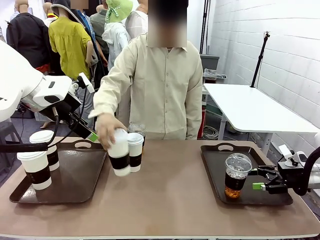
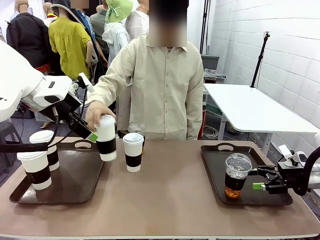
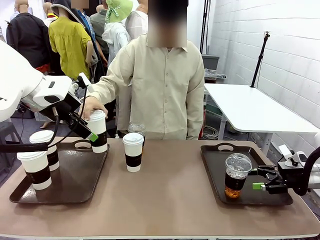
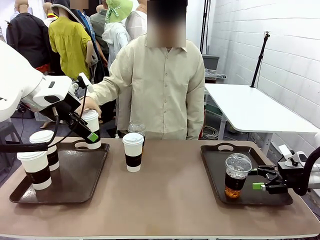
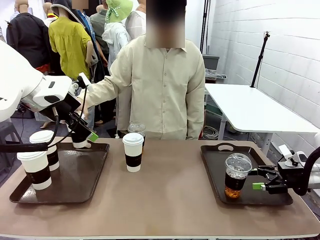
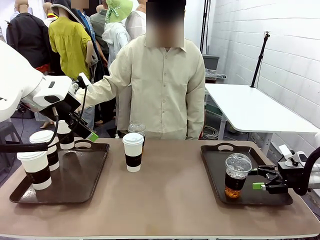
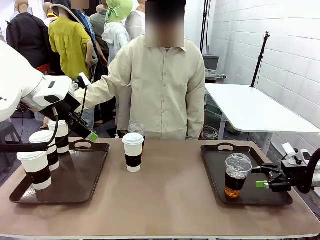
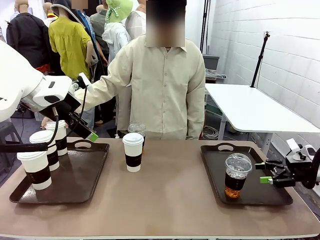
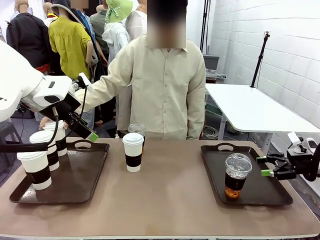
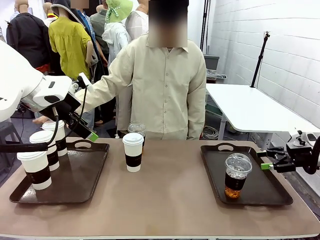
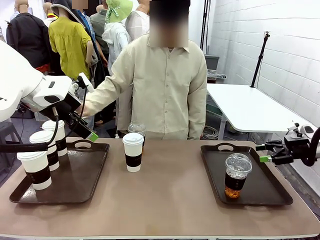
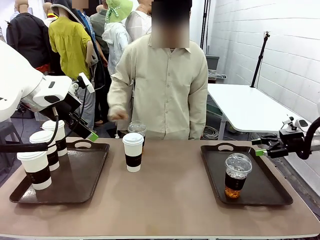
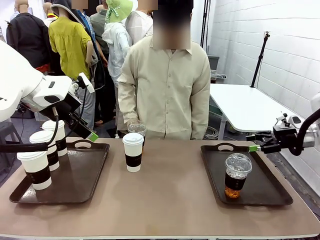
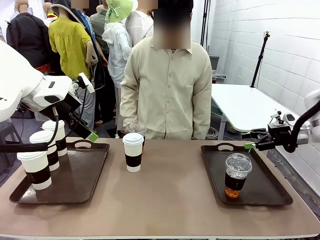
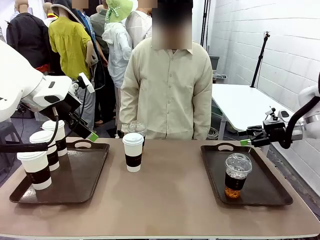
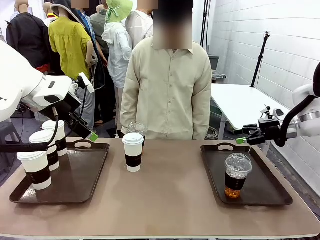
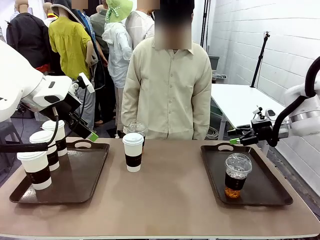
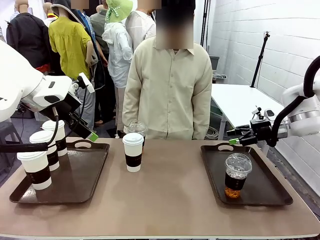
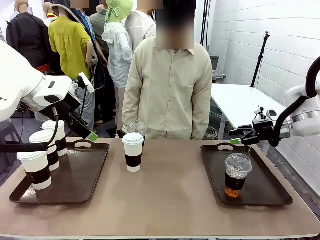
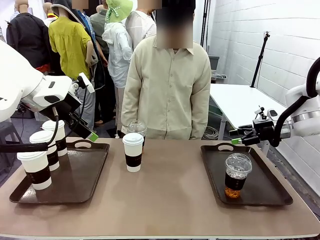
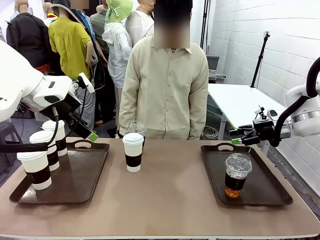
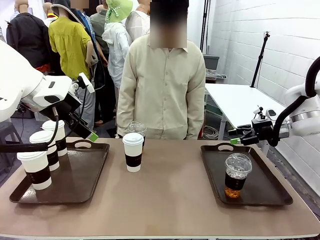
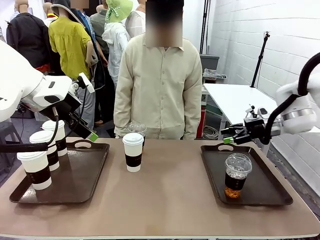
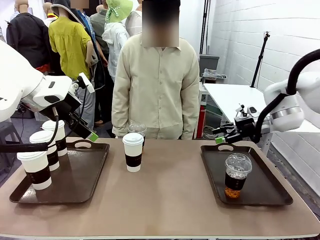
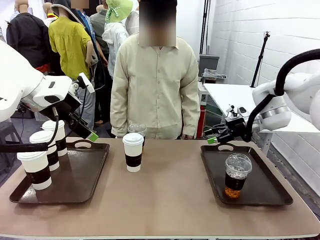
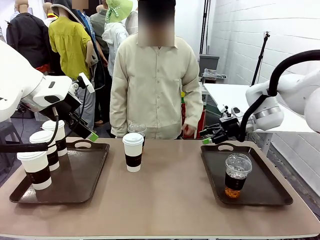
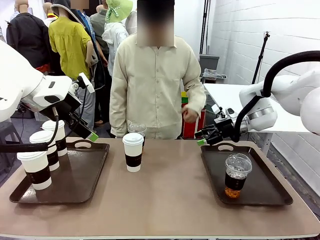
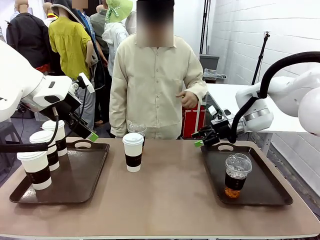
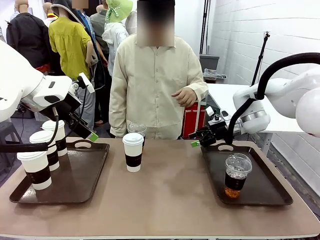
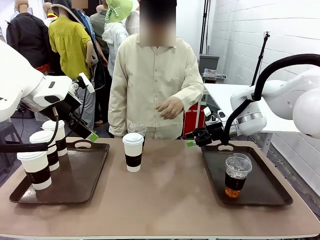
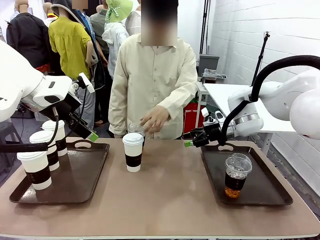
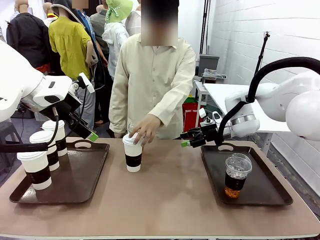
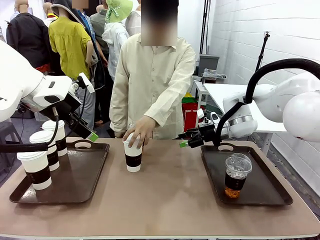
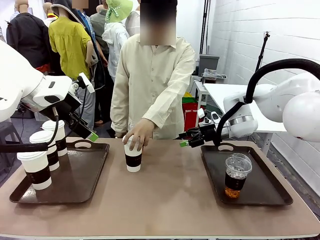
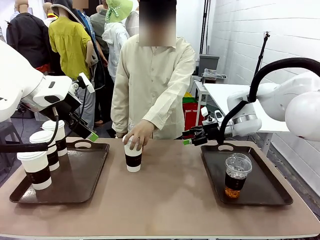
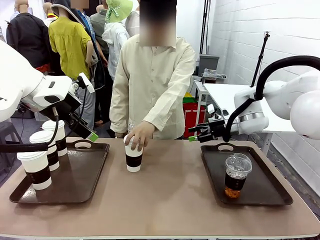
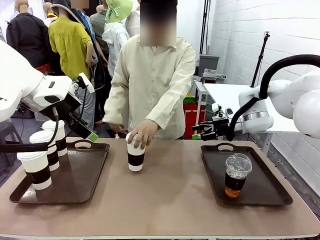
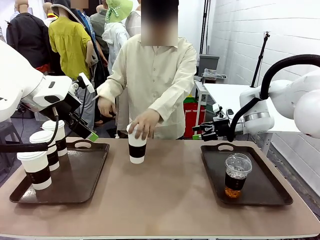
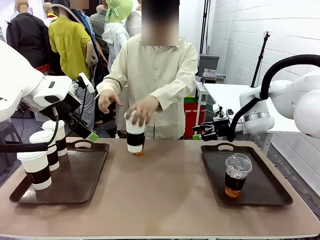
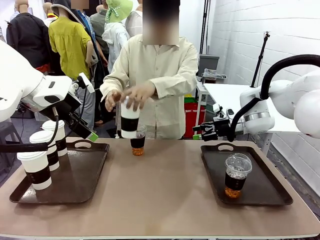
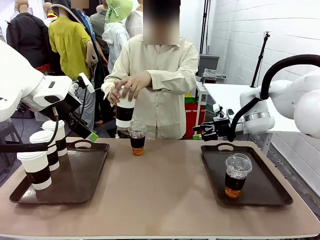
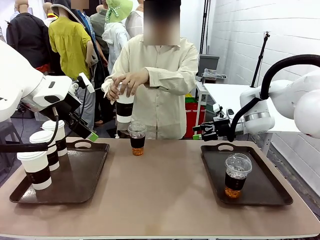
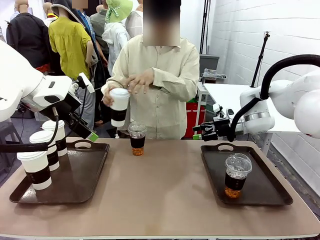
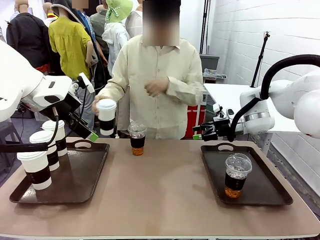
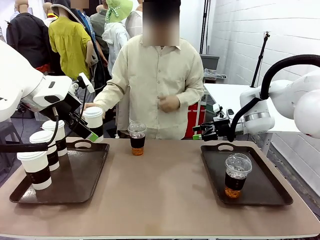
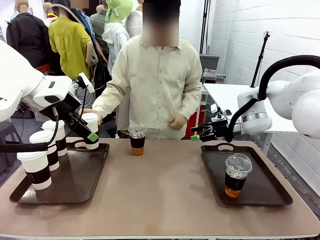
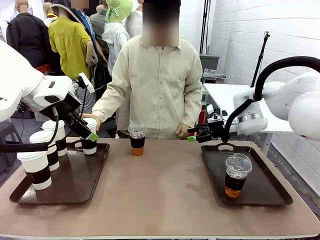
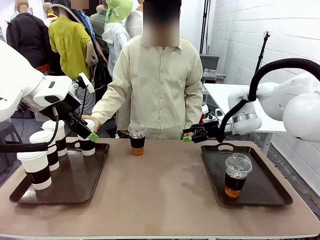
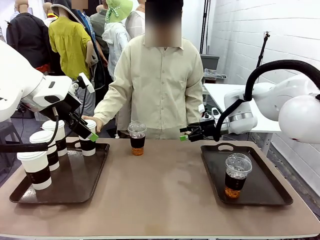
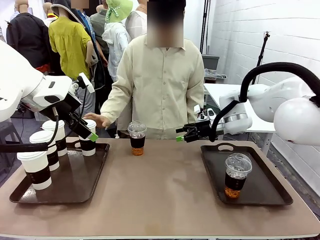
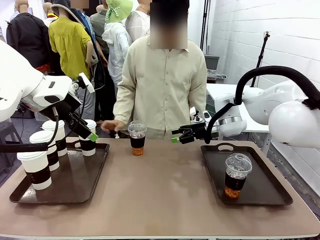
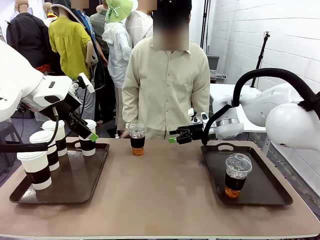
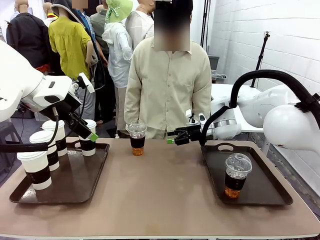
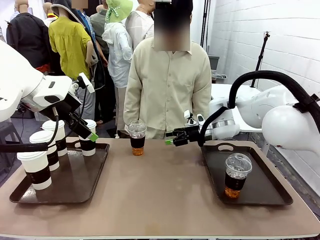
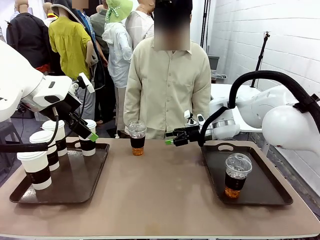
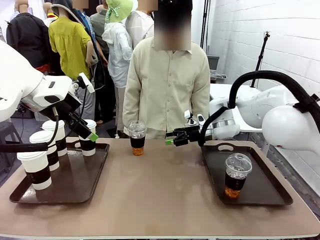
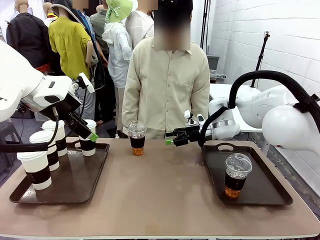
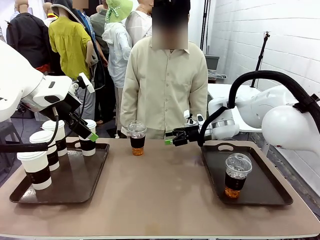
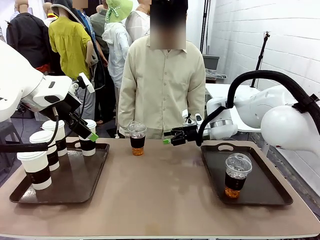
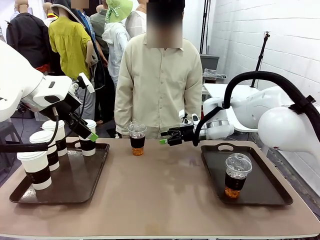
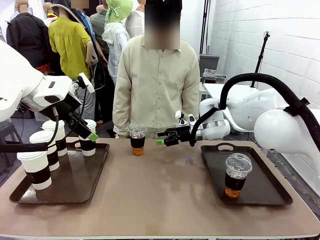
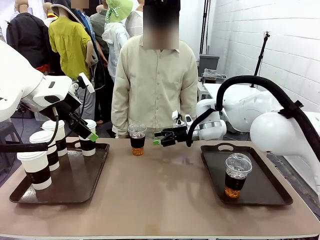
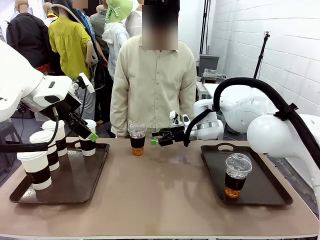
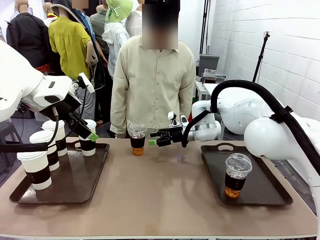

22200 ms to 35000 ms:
Task: Distribute the coffee onto the tray.
Robot: Pick up another iced Americano from the middle of the table and place it on the right Handle tray.
